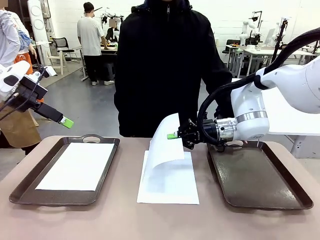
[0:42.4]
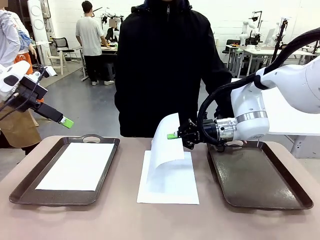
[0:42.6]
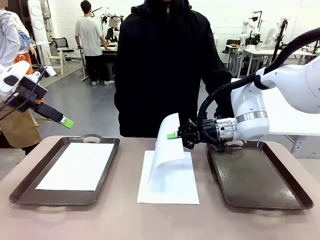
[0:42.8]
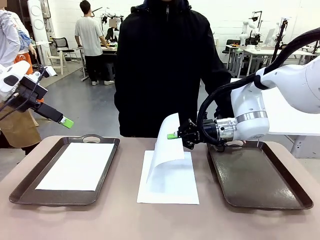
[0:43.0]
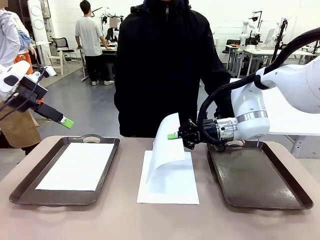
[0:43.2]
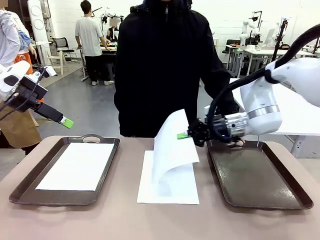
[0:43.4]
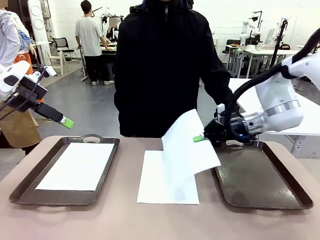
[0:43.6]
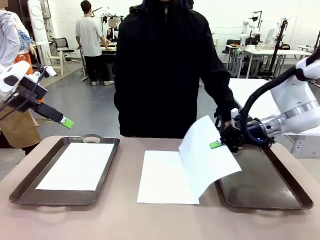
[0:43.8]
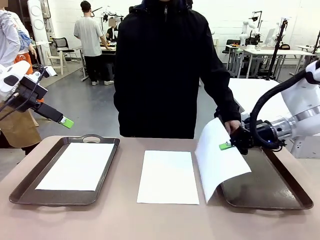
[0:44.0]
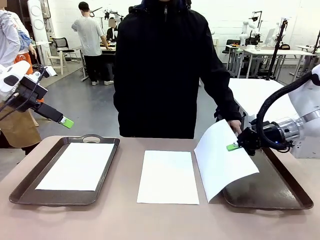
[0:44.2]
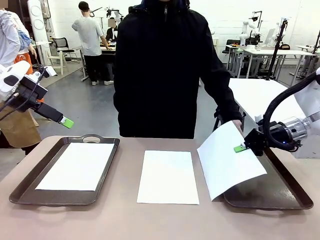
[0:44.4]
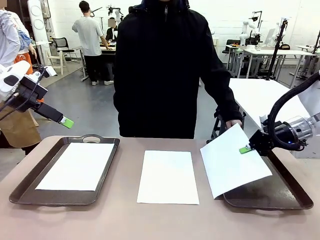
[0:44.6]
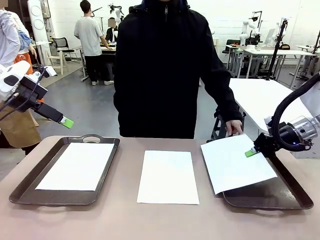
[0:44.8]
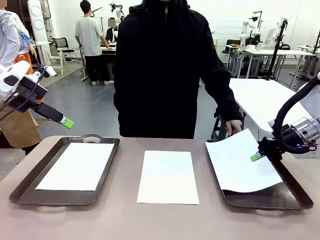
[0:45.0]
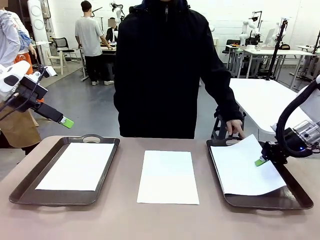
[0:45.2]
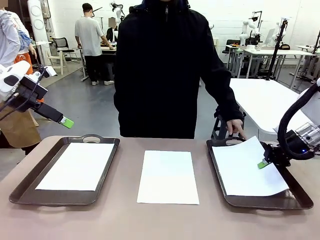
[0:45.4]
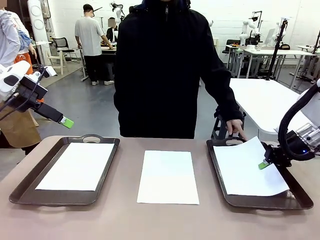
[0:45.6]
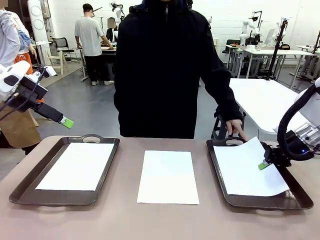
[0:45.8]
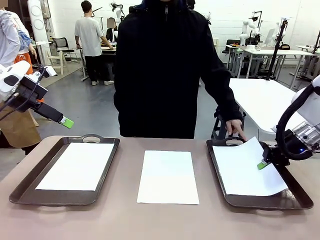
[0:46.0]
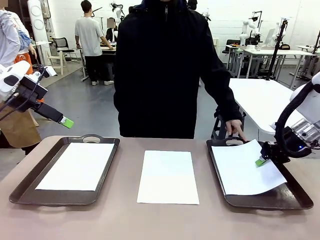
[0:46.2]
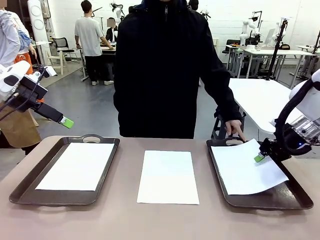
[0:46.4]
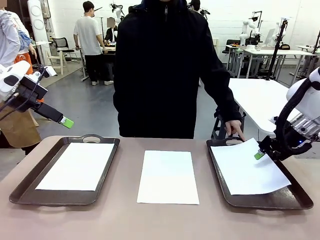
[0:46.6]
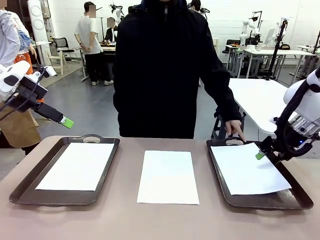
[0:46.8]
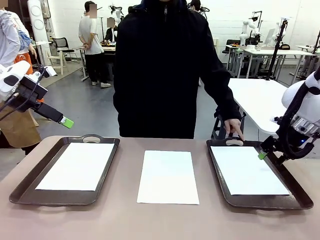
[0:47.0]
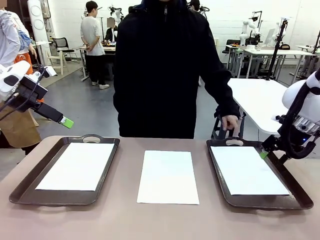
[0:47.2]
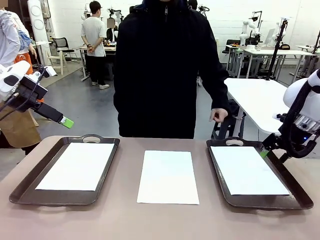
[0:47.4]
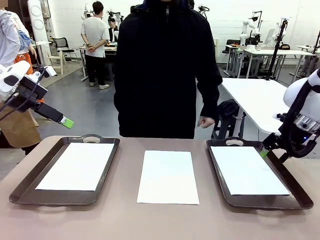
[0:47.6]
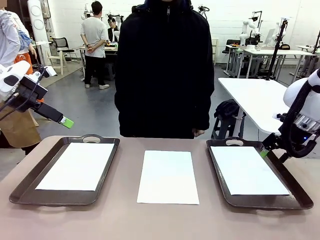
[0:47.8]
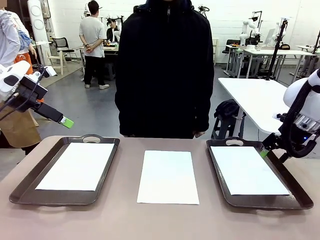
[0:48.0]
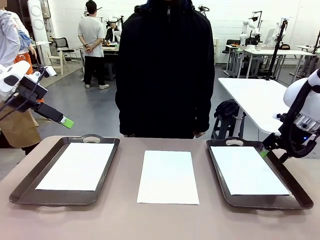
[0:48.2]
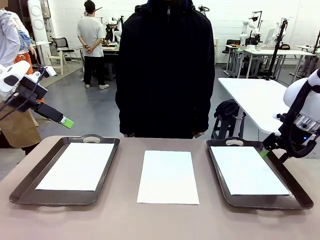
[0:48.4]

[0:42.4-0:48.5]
Task: Sort the A4 documents.
Robot: Place the A4 Paper in the designated Handle tray.

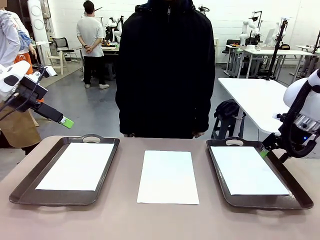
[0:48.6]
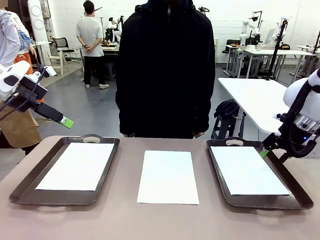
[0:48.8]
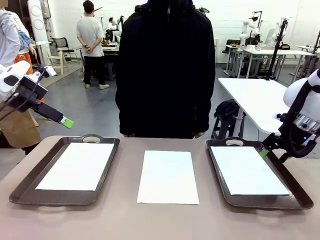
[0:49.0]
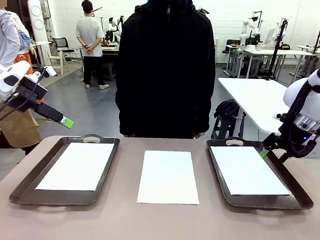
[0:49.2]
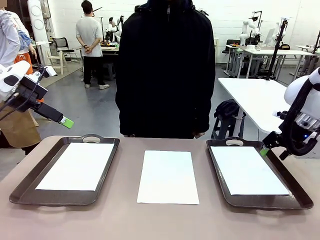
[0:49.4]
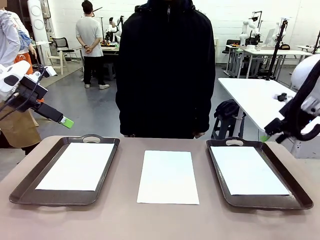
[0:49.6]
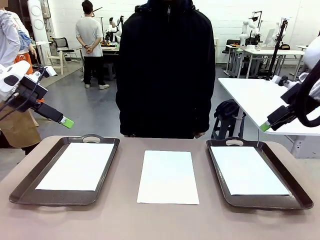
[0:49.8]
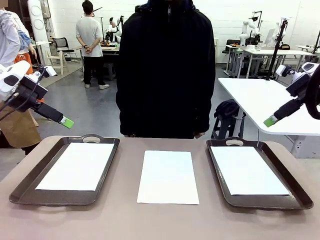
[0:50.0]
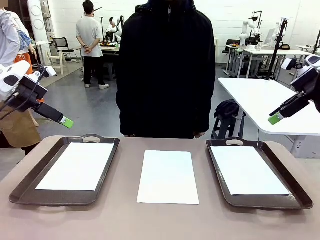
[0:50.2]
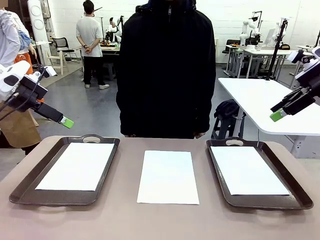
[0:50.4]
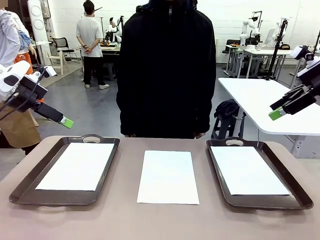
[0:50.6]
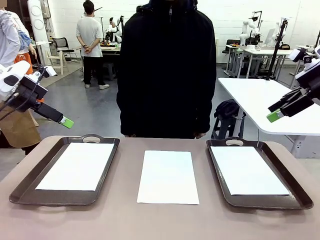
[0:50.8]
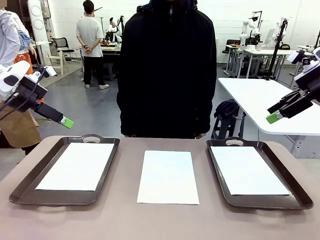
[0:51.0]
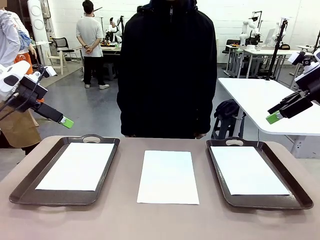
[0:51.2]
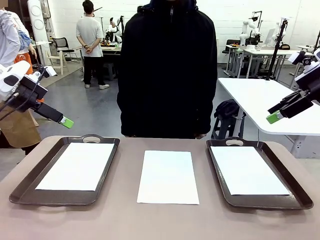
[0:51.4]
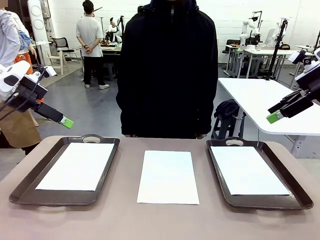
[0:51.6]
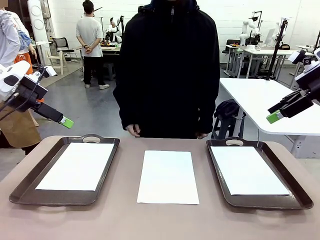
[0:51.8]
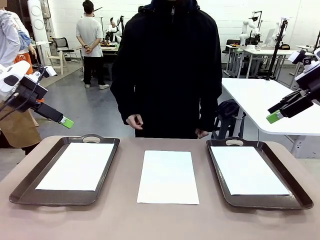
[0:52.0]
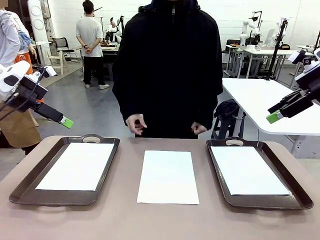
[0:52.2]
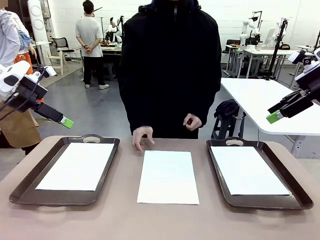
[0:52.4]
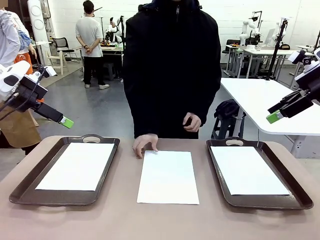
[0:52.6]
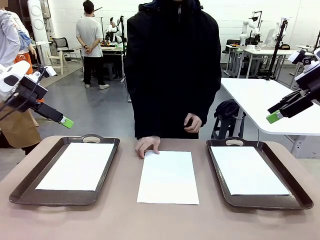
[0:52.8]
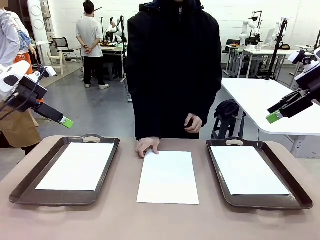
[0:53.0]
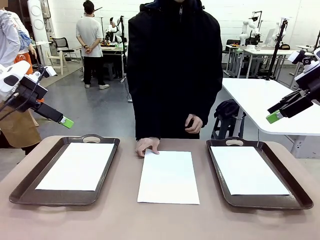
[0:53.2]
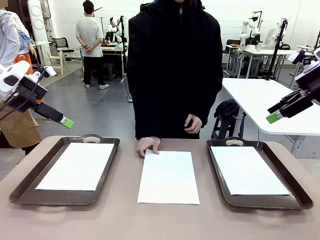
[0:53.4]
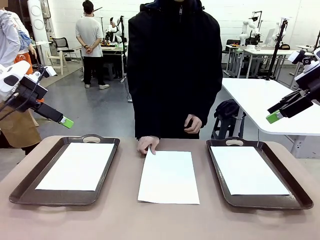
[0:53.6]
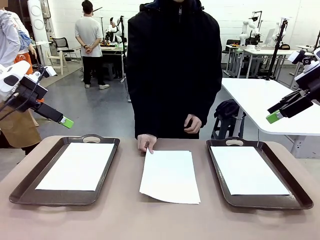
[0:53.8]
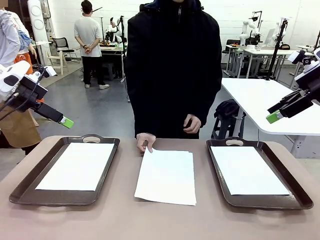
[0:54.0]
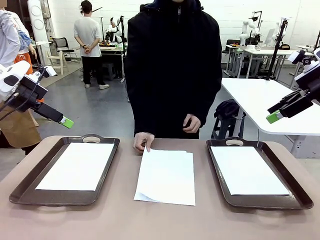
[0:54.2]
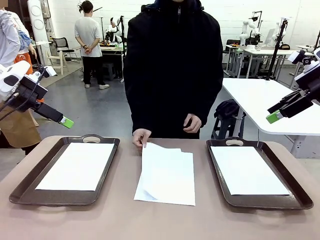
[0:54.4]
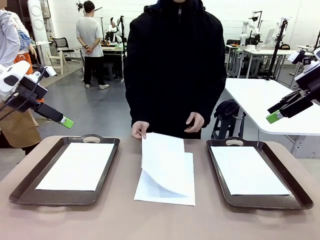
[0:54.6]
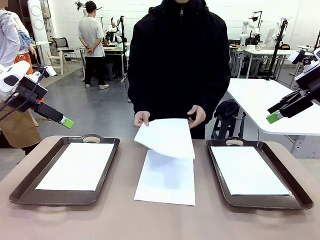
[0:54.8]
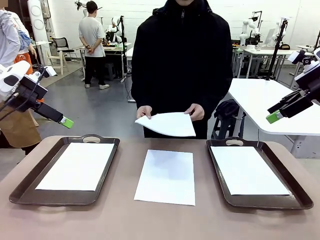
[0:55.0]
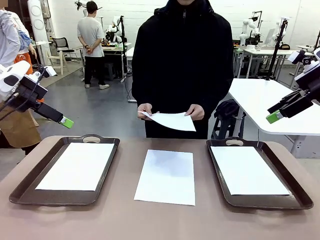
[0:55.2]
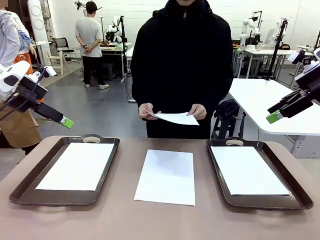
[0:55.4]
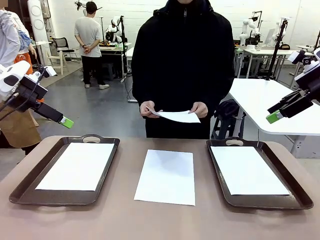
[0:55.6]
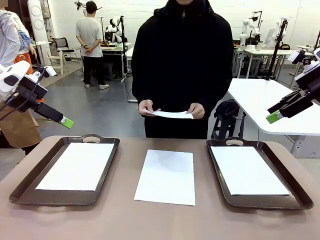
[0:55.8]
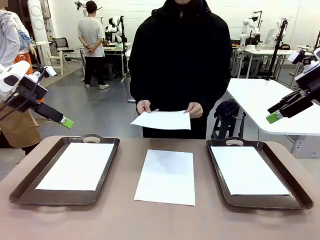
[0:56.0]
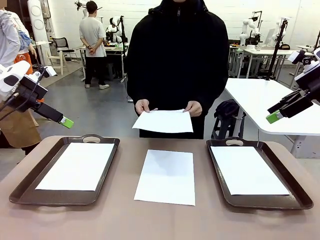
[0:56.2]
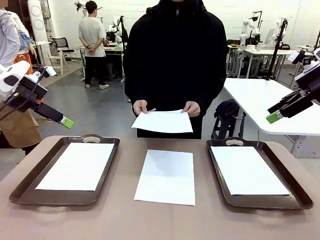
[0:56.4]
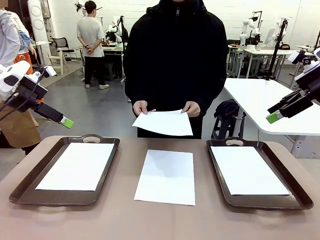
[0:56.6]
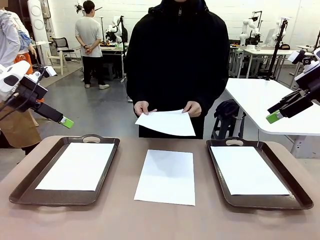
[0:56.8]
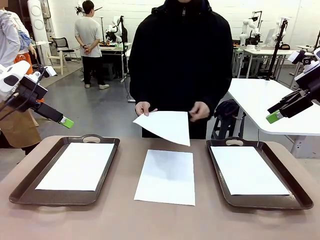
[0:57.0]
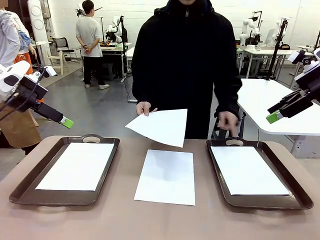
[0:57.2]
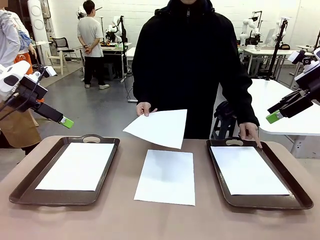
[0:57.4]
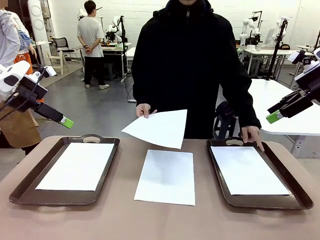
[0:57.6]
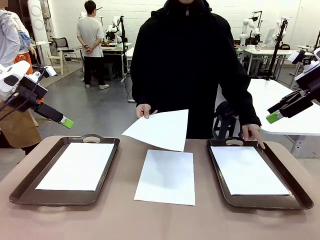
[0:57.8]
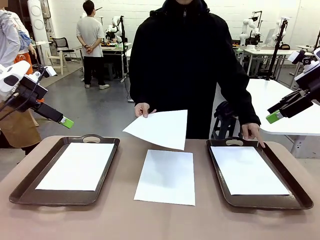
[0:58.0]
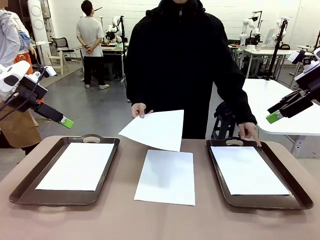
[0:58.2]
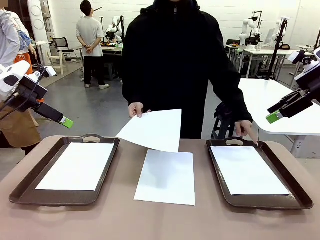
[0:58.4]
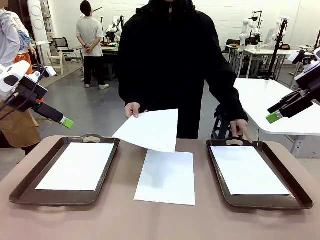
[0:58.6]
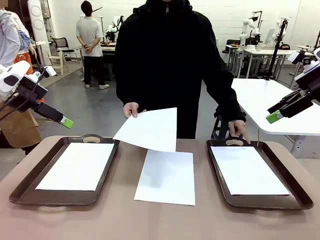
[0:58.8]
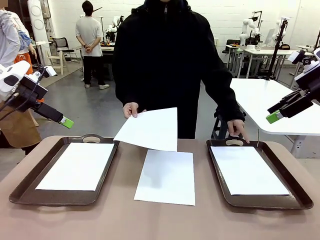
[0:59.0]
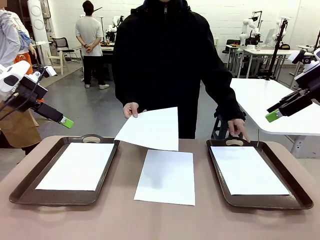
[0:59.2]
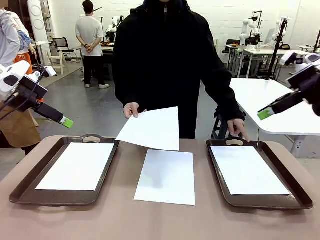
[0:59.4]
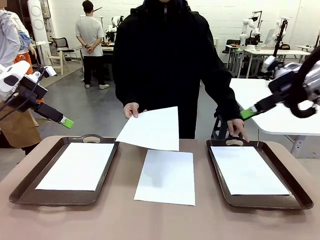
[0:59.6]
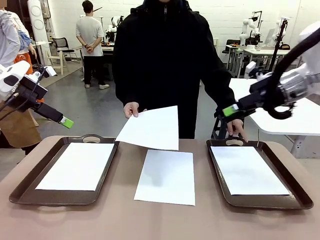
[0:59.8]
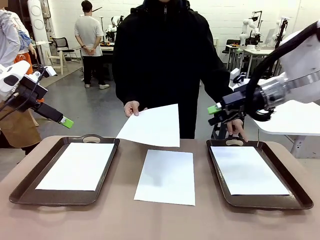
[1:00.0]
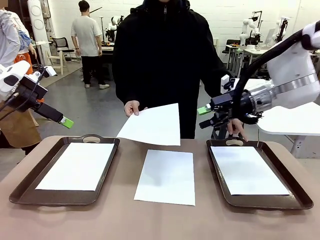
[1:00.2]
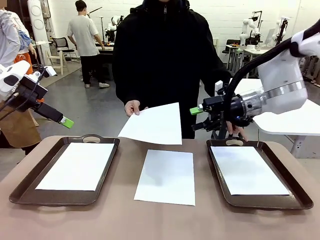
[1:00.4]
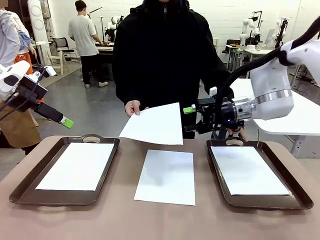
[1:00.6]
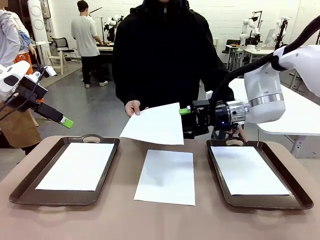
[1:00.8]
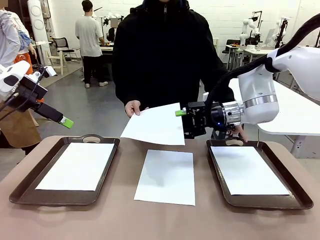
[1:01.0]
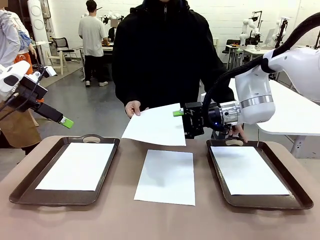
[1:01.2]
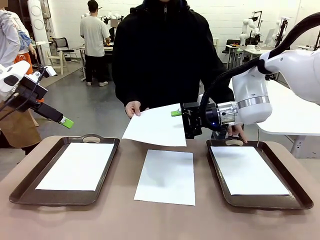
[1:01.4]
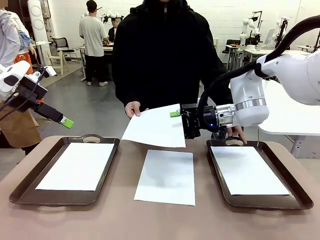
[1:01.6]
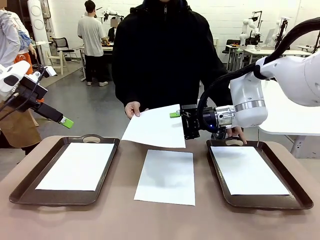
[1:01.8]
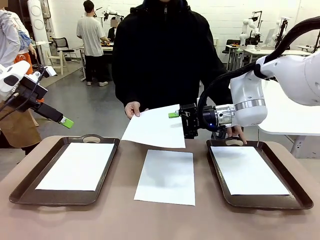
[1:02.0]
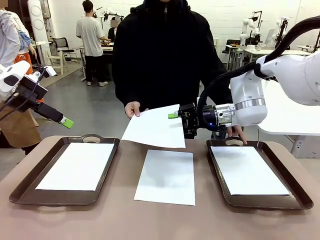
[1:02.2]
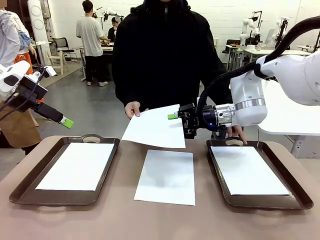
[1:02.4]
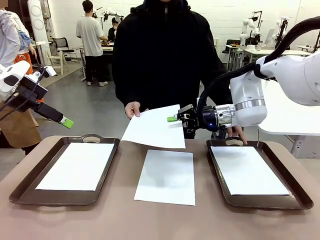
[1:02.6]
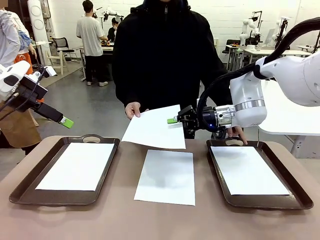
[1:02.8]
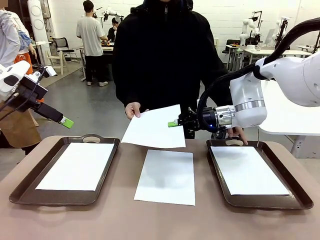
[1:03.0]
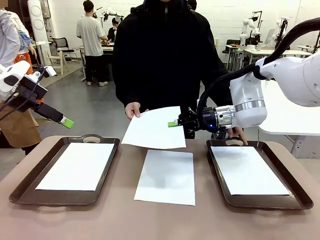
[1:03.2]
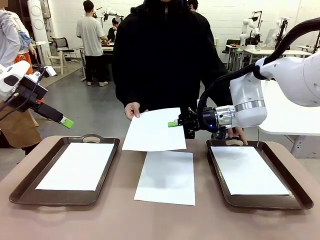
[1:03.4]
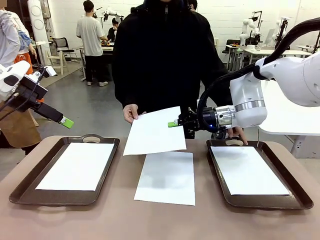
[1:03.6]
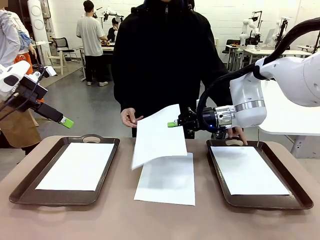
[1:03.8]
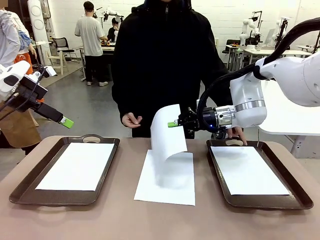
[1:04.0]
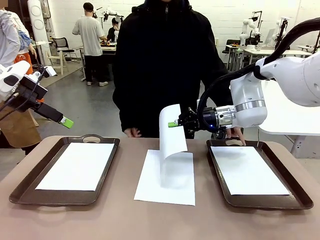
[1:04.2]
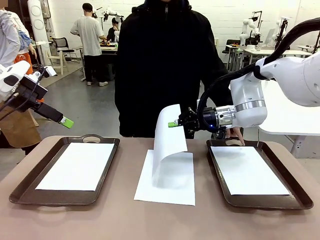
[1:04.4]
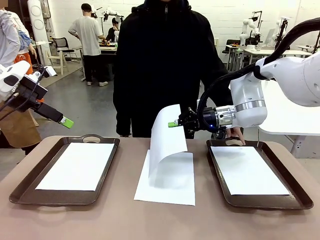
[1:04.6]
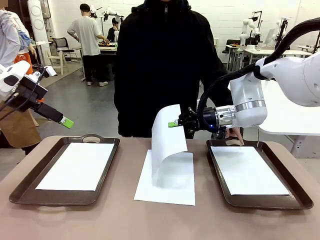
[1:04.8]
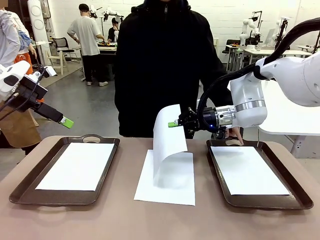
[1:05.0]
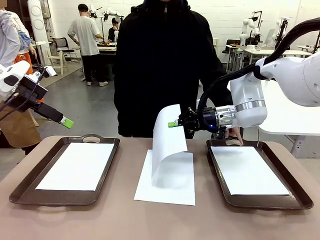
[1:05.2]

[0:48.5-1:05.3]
Robot: Receive the A4 Paper.
Person: Point the randomly selected tray with the other hand.
